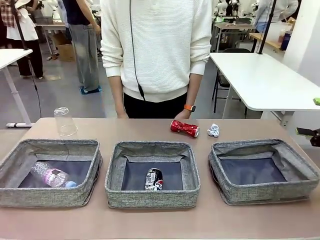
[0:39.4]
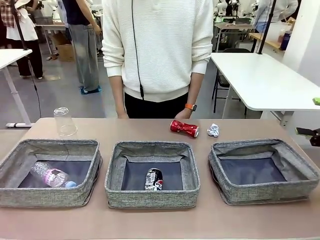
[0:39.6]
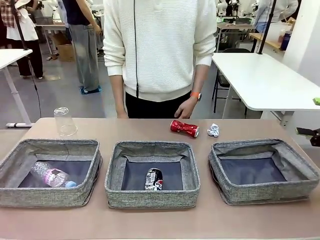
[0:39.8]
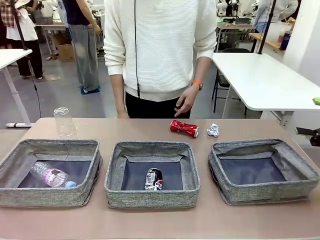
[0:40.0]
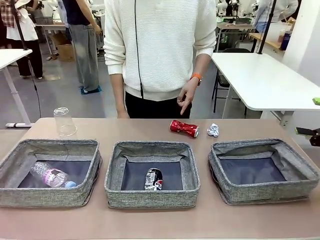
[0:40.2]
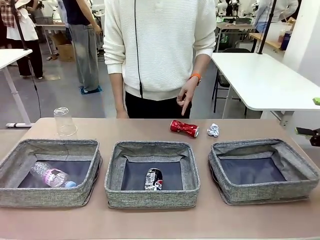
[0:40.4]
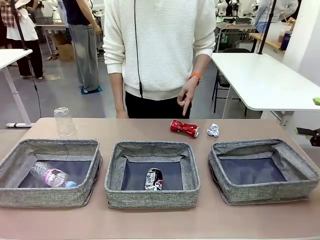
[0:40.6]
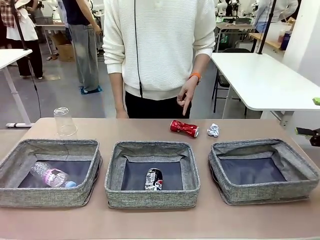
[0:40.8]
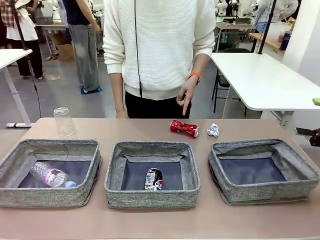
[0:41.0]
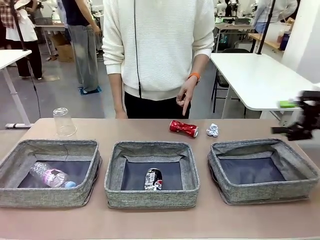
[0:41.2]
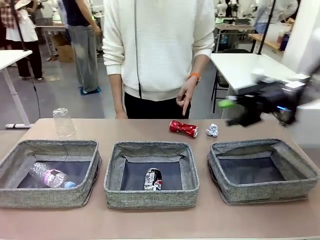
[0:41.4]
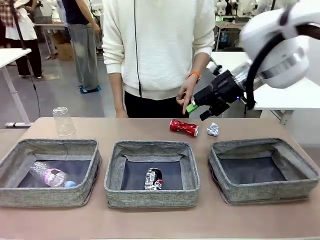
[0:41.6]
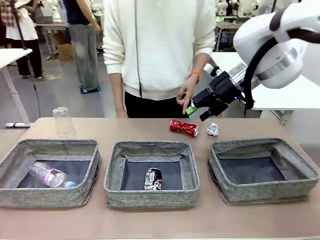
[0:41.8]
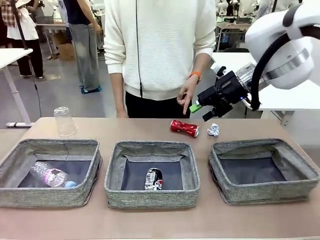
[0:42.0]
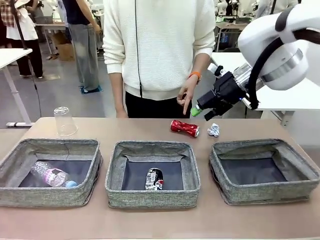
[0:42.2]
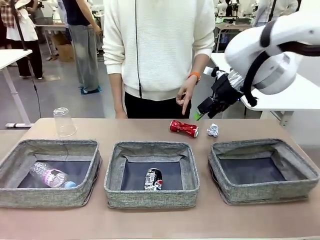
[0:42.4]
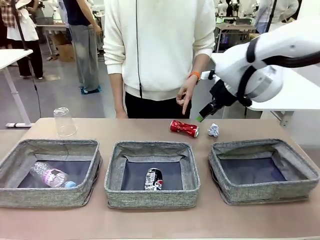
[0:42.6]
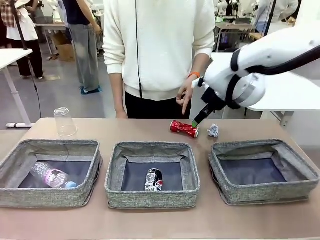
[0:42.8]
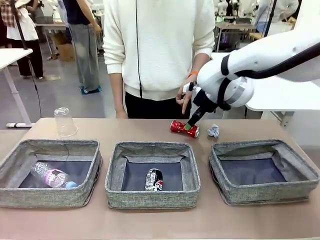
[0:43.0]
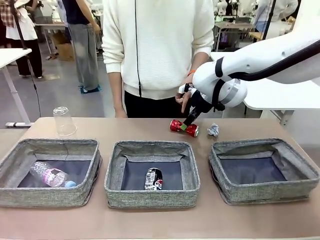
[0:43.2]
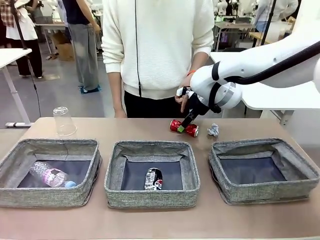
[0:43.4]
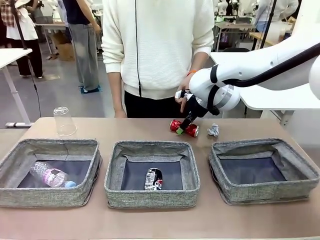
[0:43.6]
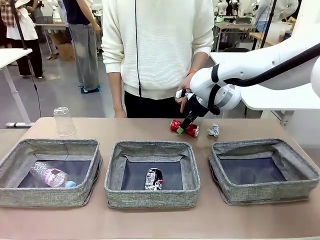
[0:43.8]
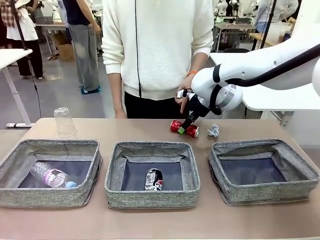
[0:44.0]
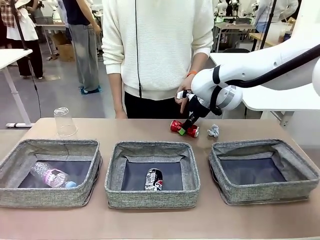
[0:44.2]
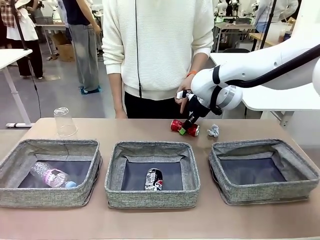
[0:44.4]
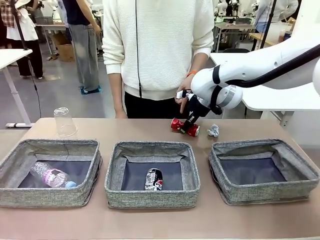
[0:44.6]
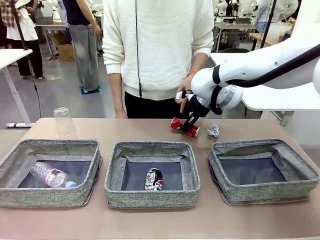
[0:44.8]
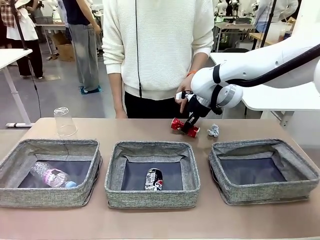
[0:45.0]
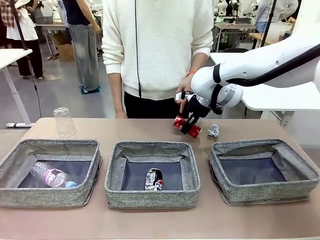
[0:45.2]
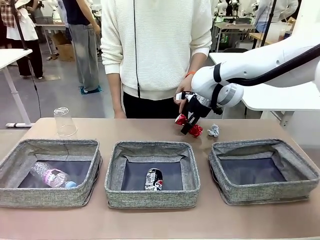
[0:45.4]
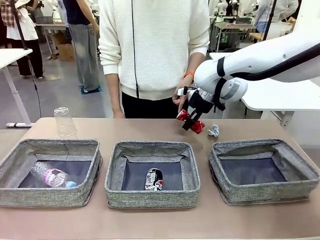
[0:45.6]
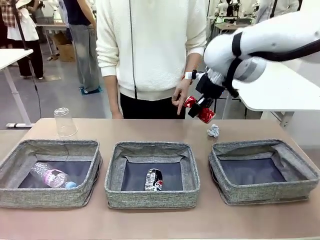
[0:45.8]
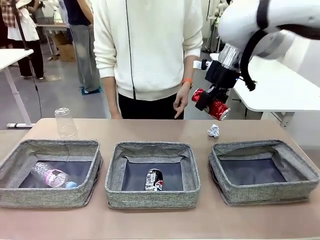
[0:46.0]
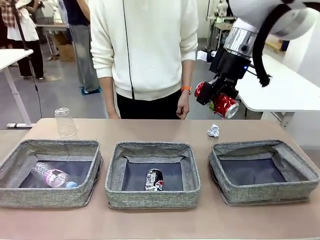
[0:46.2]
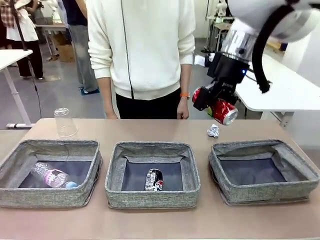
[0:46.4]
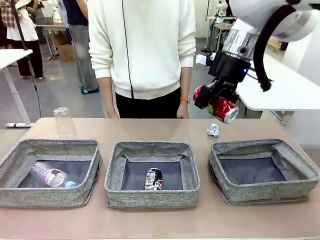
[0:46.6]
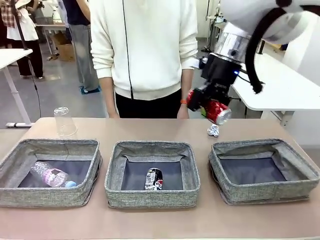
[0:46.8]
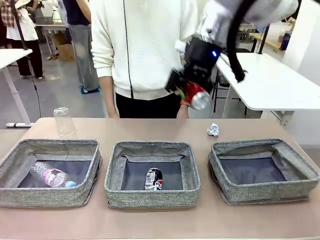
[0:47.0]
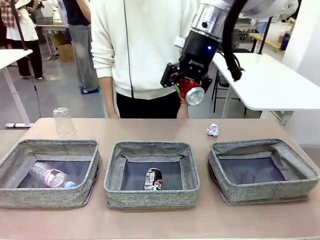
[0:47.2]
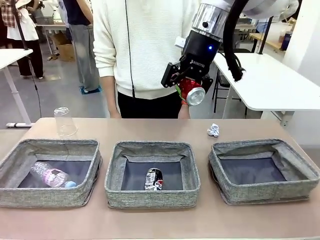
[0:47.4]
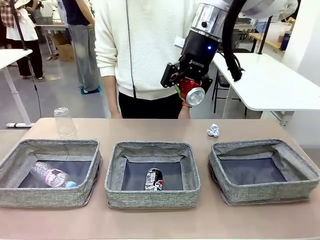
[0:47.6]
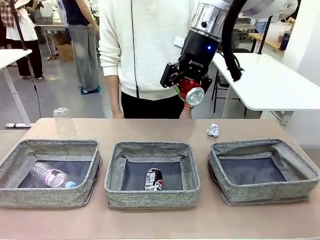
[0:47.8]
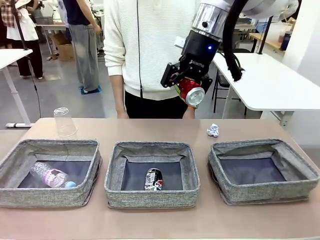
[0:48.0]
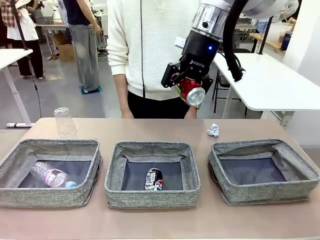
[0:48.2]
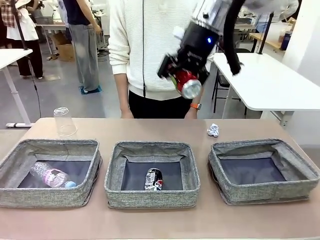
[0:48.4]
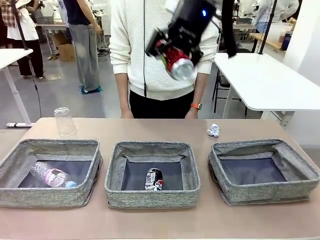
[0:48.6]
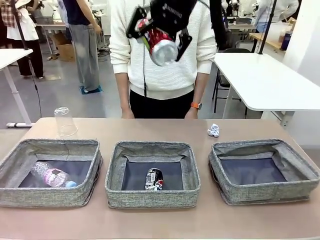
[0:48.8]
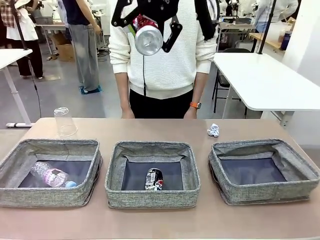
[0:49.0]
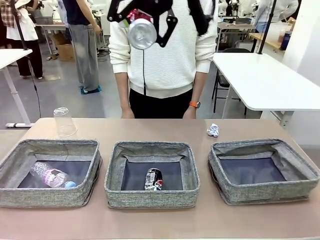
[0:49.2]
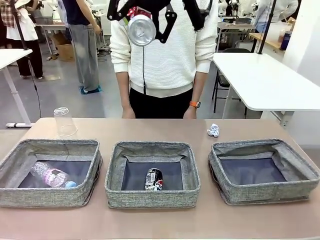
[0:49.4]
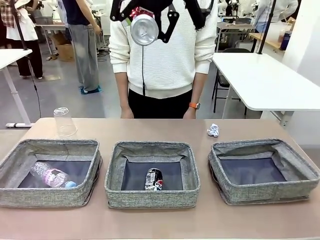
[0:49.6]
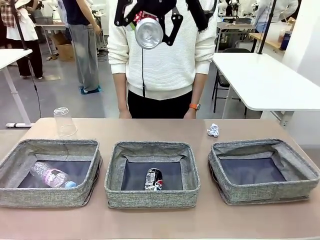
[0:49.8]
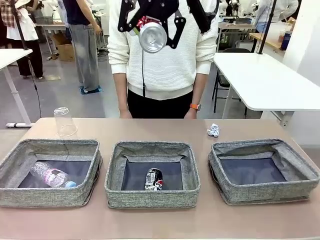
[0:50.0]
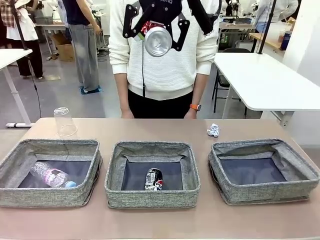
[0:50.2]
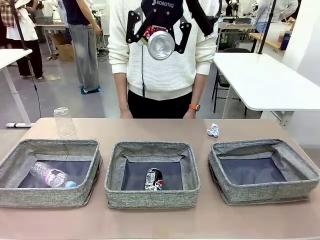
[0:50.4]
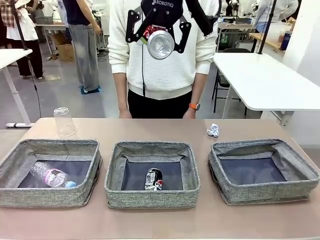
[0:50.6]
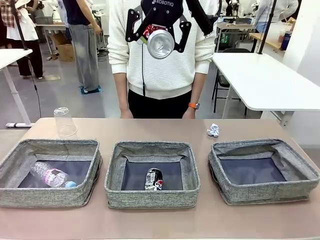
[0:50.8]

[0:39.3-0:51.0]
Task: Sort the waste into the appropriate baskets.
Robot: Pick up the waste item pointed out by the person.
Person: Points to one piece of trash on the table.

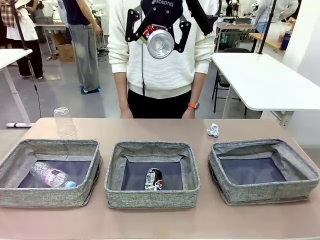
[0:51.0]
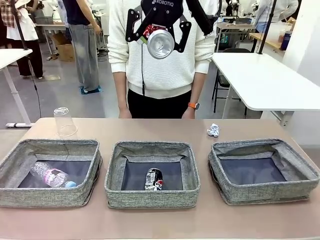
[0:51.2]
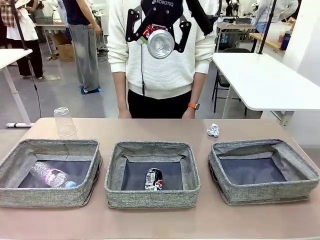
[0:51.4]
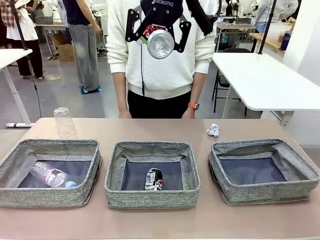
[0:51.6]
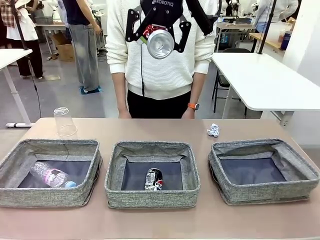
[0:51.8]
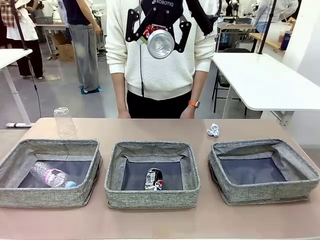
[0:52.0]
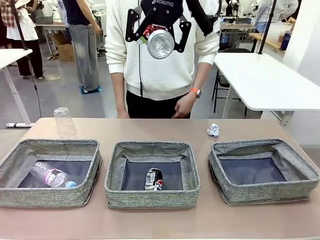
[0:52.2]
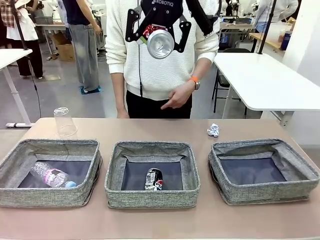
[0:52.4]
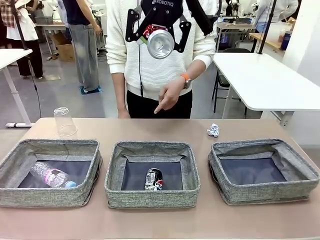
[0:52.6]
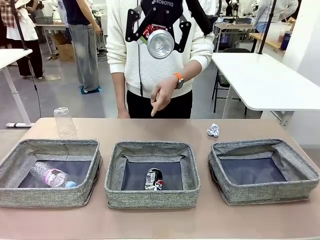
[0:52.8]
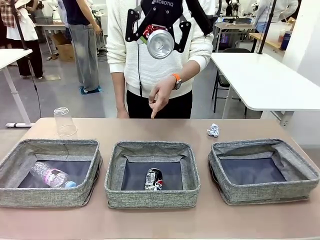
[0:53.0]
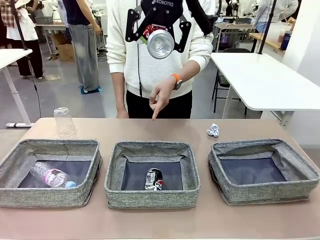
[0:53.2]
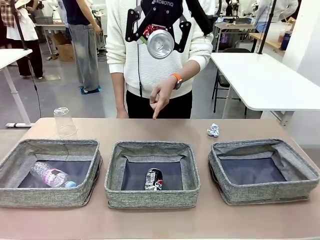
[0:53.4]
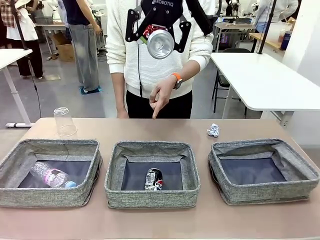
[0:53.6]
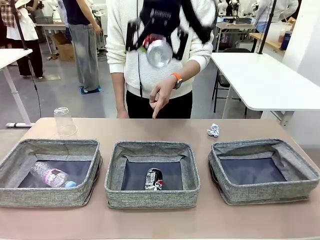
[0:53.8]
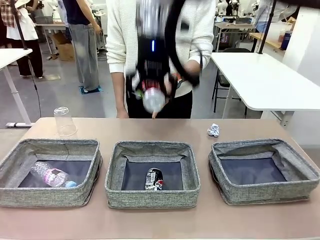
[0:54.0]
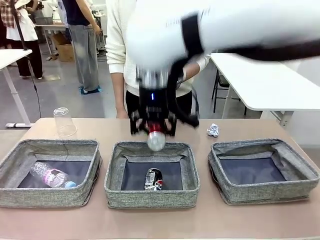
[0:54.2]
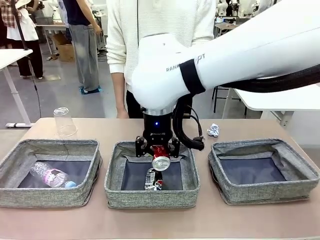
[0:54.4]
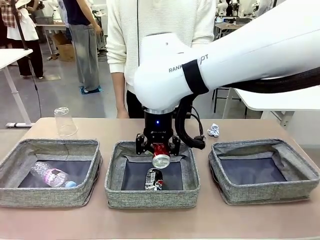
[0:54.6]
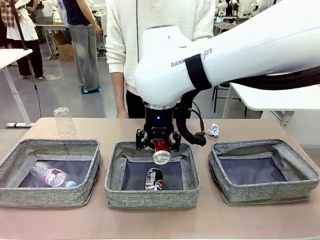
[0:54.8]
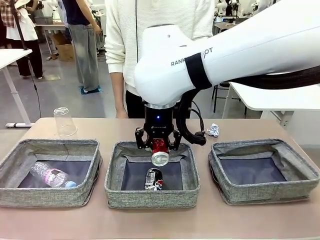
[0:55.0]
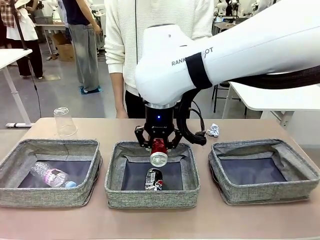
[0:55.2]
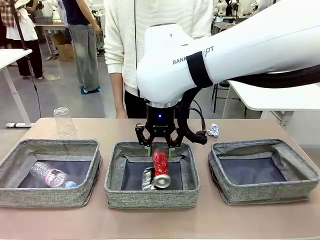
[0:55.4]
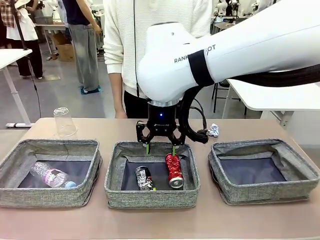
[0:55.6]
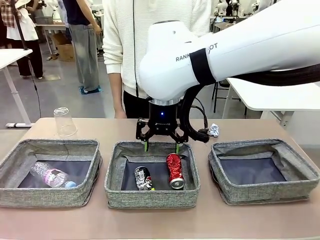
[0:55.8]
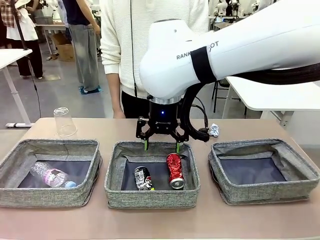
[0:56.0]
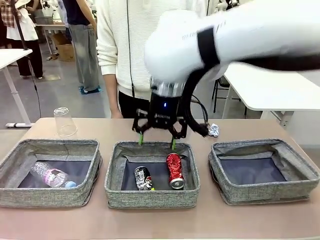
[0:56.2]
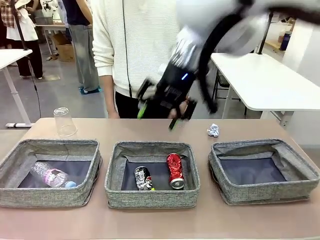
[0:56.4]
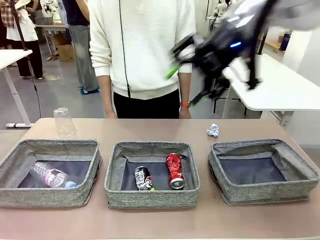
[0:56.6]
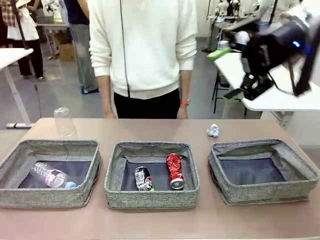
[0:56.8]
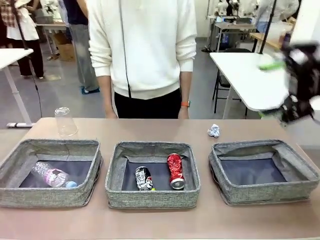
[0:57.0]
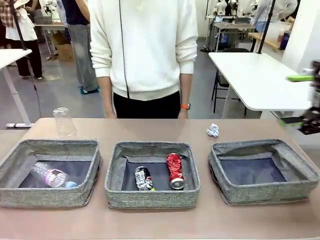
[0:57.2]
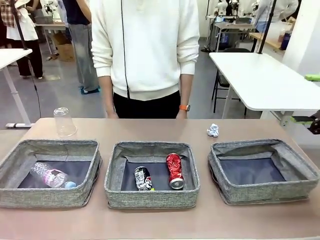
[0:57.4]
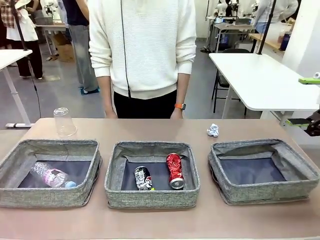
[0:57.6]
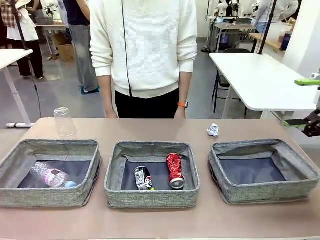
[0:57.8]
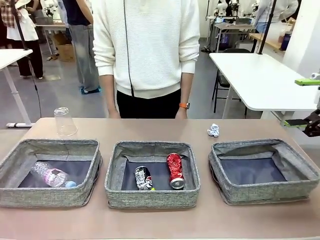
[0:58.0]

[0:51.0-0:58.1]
Robot: Place the picked waste into the Fabric basket indicated by the person.
Person: Instructs the robot to place the picked-up trash into the appropriate organizing basket.

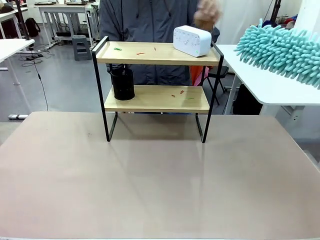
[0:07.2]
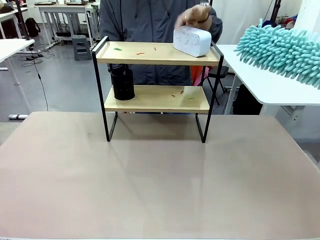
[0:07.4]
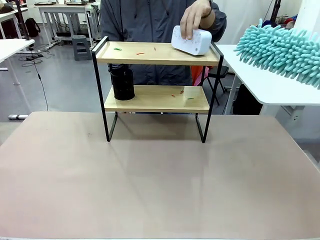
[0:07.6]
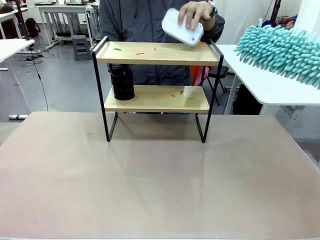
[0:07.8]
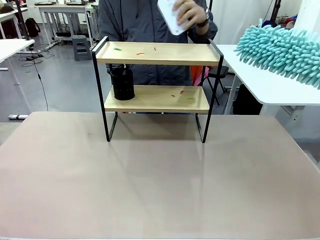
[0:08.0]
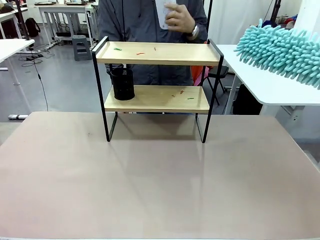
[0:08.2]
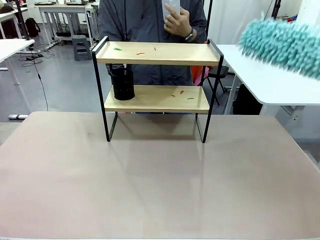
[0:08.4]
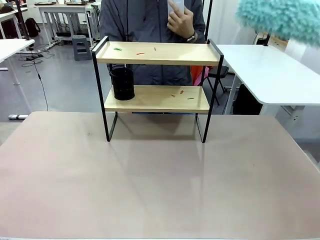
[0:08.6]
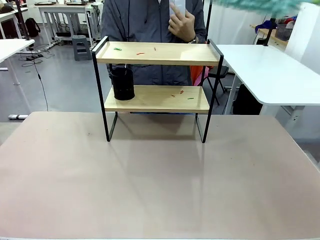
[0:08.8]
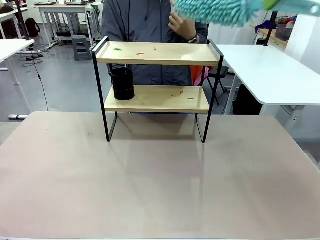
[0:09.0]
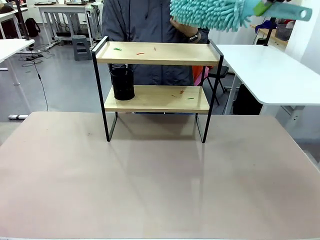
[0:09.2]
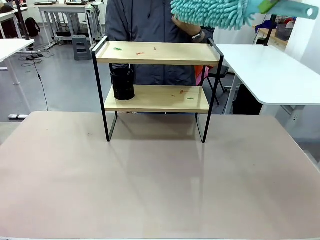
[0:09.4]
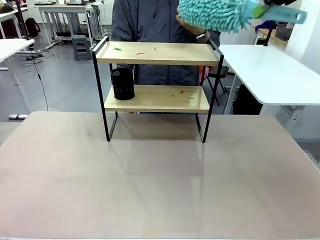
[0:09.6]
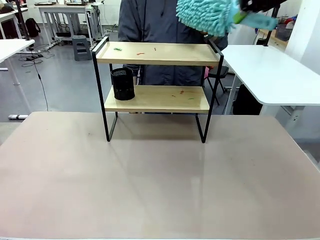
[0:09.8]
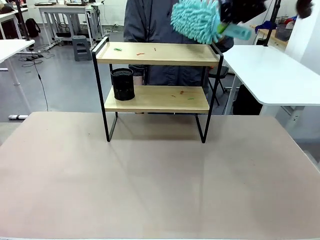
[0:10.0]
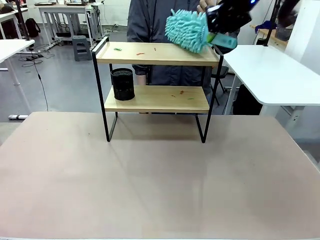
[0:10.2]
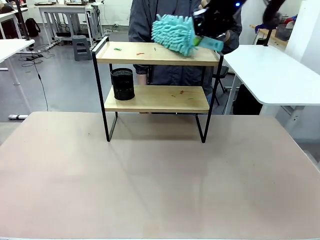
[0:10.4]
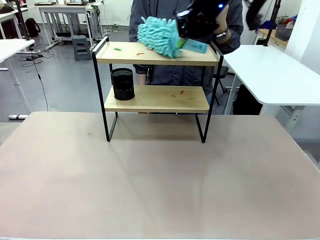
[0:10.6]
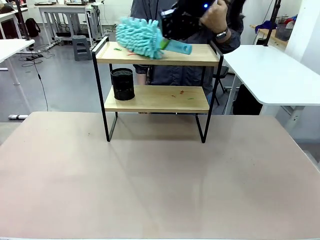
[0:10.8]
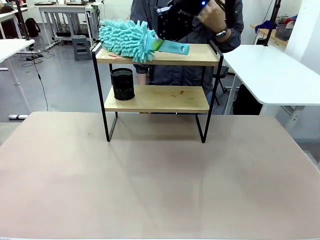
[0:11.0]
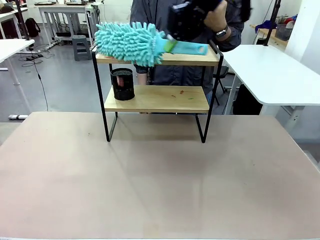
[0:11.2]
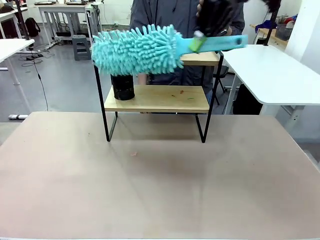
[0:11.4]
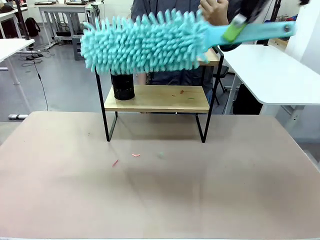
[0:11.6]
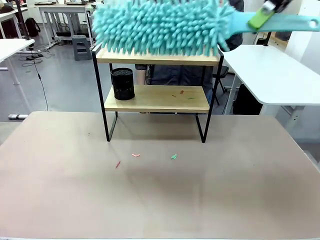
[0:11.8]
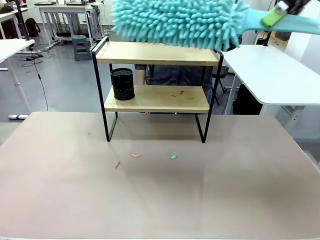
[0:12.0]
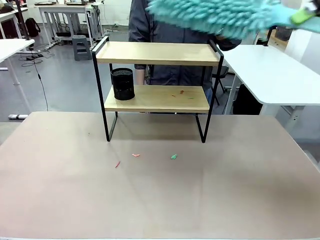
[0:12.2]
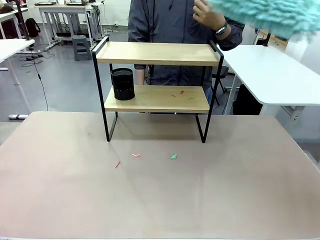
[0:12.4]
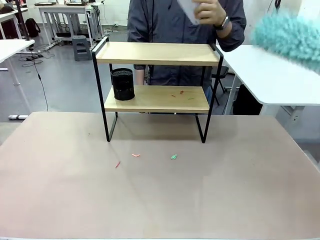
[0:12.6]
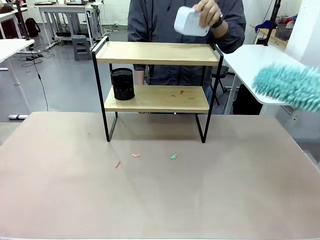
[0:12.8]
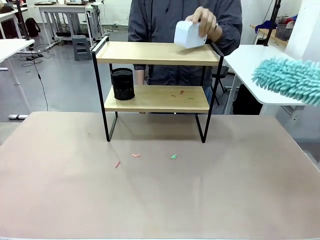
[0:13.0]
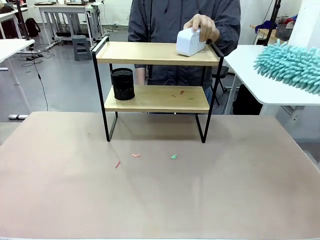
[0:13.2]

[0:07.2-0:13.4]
Task: Clean the shelf.
Robot: Clean the specific tier of the Shelf with the Duster once objects are removed.
Person: Lift the objects on a randomly selected tier of the Shelf. Once the robot finishes cleaning, lift the objects on the remaining tiers of the Shelf.
